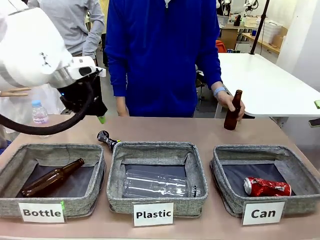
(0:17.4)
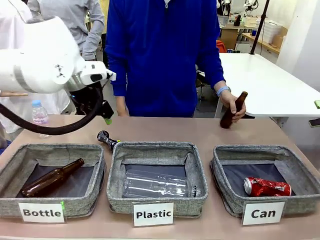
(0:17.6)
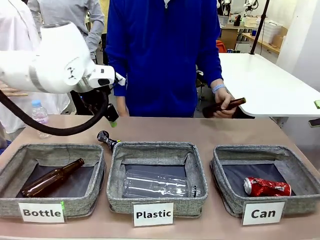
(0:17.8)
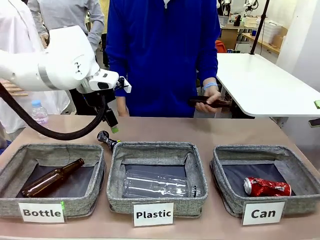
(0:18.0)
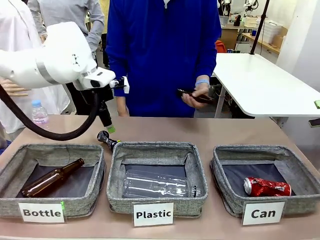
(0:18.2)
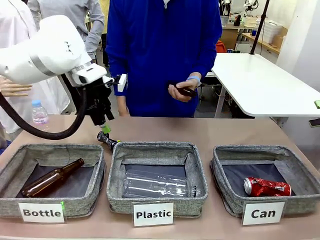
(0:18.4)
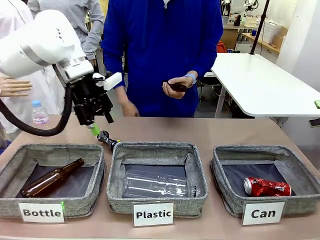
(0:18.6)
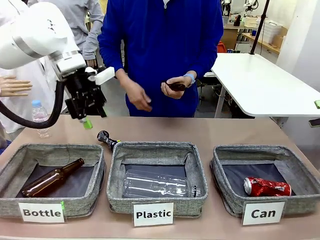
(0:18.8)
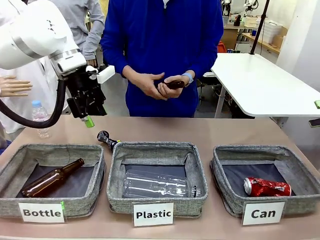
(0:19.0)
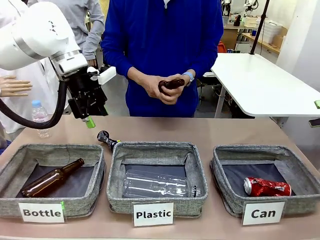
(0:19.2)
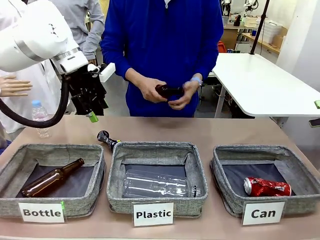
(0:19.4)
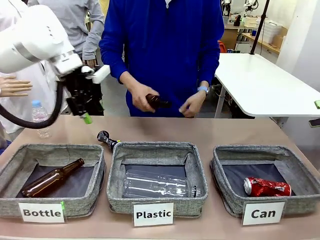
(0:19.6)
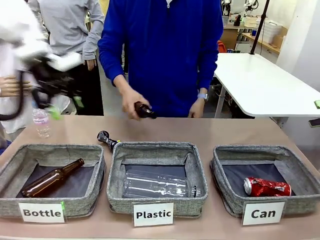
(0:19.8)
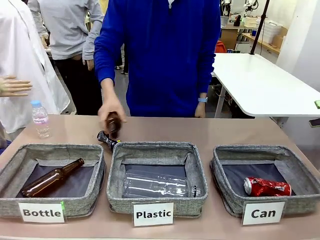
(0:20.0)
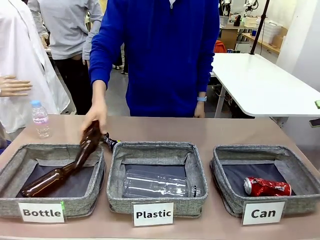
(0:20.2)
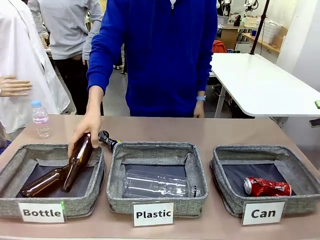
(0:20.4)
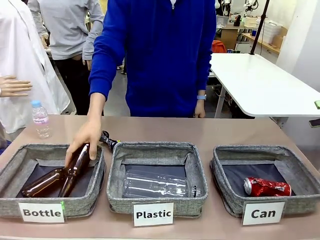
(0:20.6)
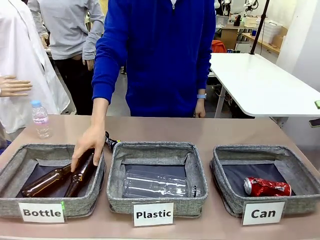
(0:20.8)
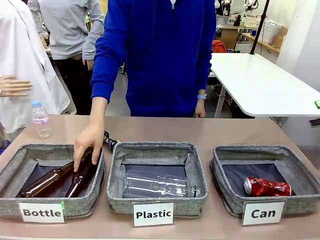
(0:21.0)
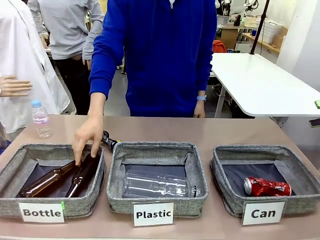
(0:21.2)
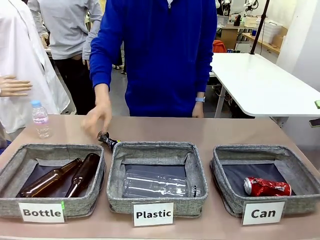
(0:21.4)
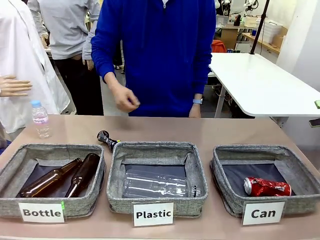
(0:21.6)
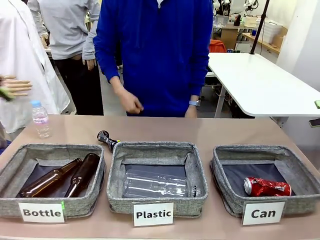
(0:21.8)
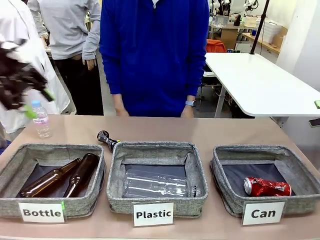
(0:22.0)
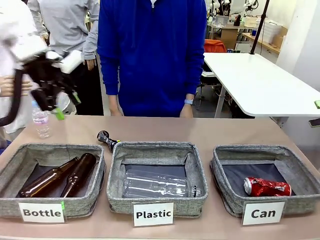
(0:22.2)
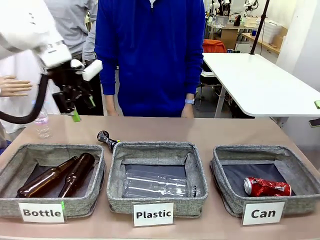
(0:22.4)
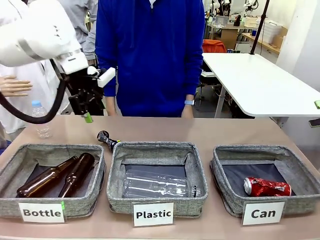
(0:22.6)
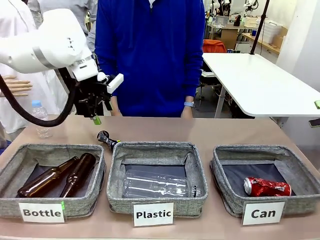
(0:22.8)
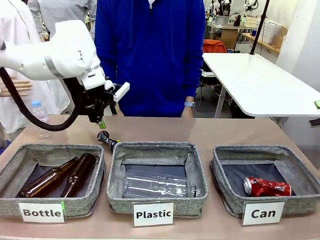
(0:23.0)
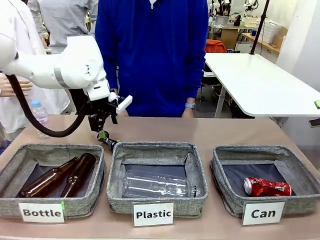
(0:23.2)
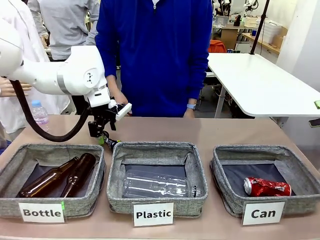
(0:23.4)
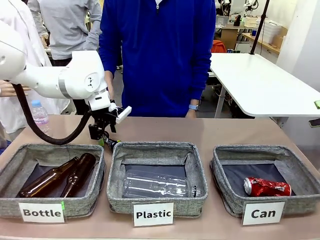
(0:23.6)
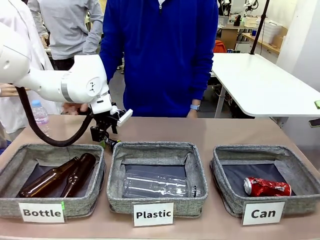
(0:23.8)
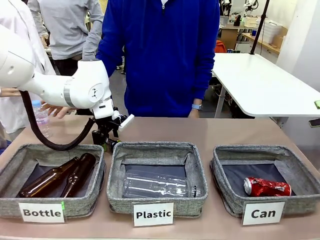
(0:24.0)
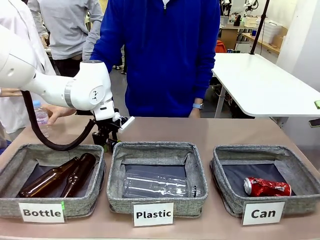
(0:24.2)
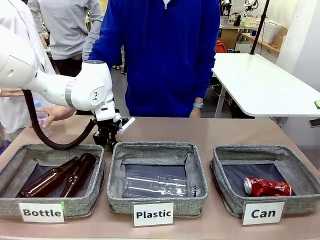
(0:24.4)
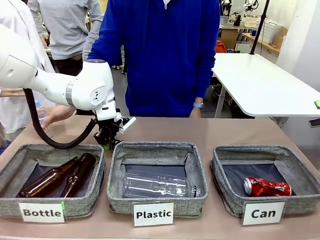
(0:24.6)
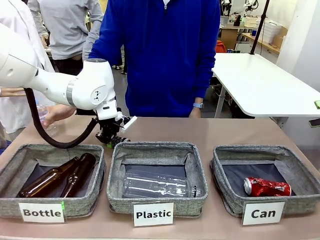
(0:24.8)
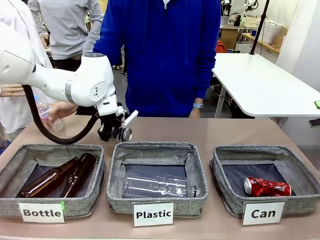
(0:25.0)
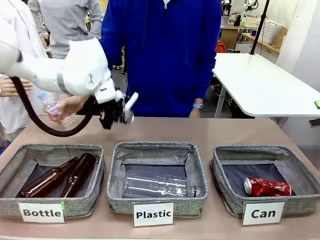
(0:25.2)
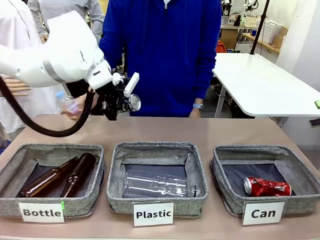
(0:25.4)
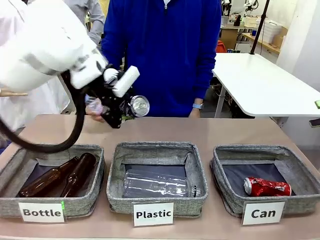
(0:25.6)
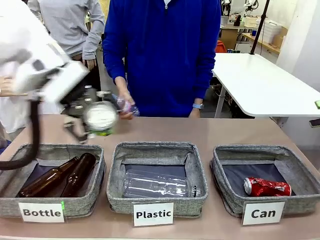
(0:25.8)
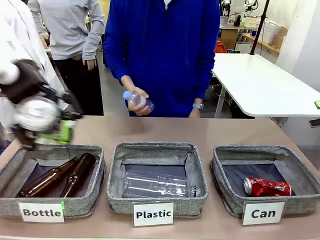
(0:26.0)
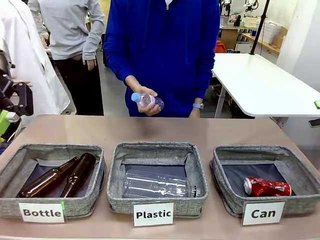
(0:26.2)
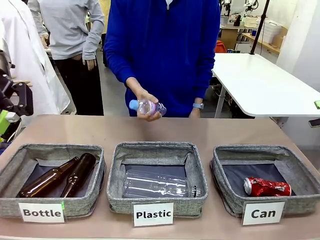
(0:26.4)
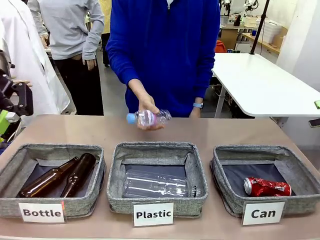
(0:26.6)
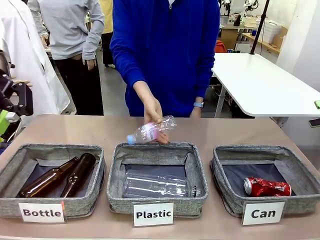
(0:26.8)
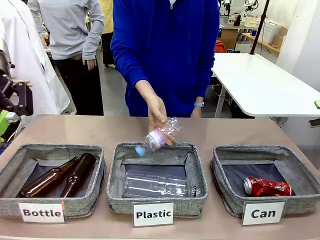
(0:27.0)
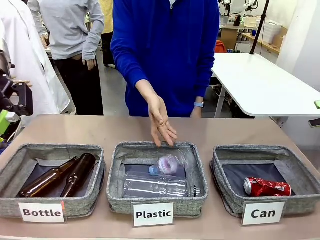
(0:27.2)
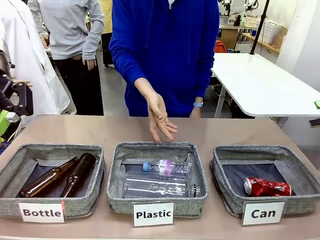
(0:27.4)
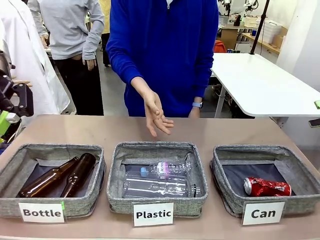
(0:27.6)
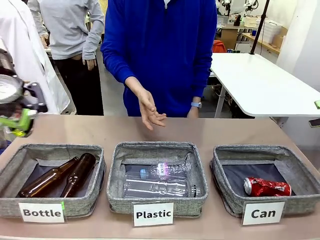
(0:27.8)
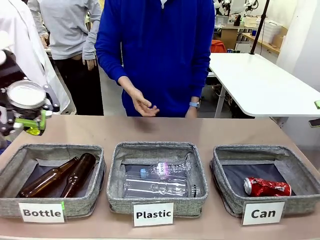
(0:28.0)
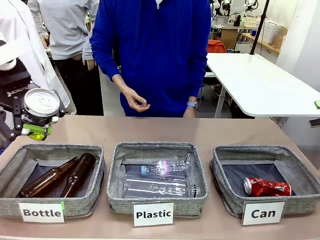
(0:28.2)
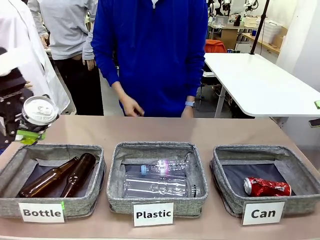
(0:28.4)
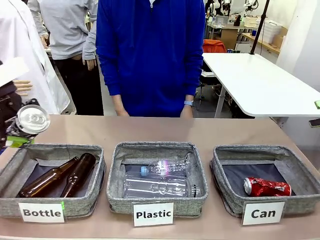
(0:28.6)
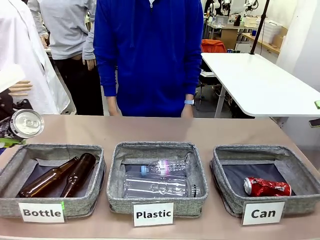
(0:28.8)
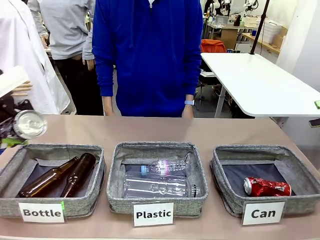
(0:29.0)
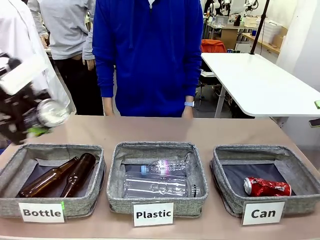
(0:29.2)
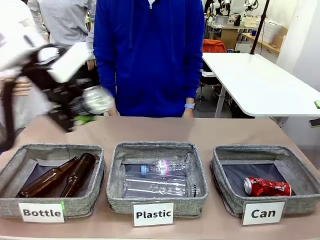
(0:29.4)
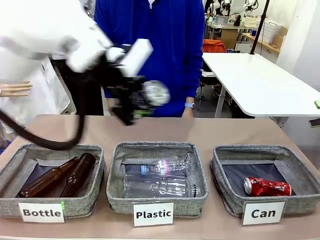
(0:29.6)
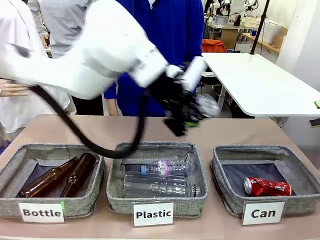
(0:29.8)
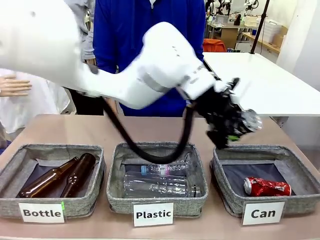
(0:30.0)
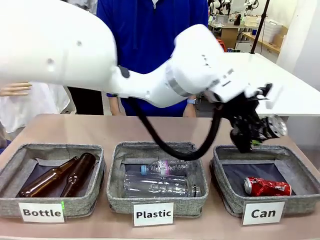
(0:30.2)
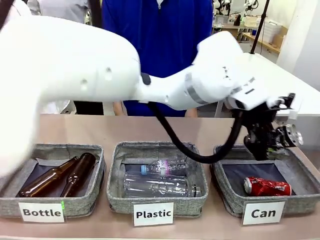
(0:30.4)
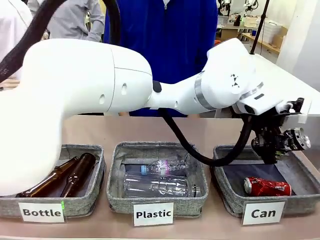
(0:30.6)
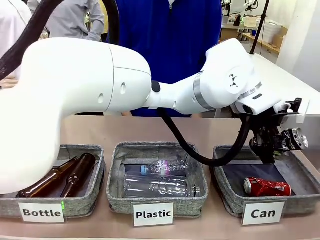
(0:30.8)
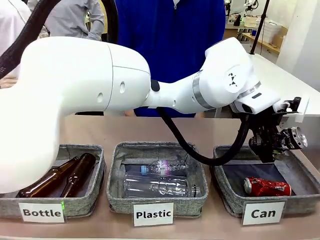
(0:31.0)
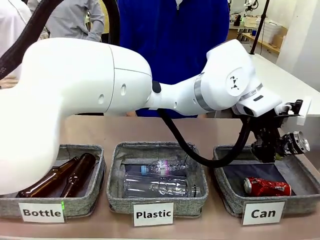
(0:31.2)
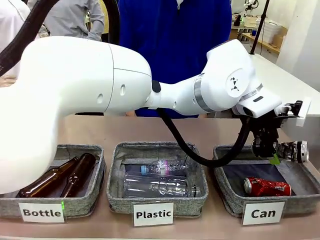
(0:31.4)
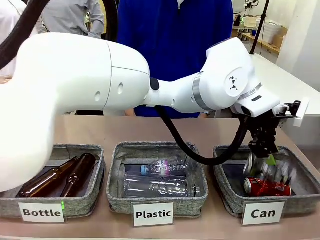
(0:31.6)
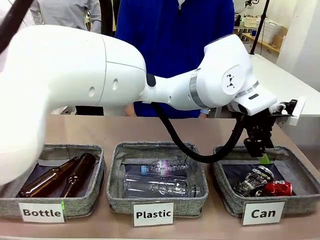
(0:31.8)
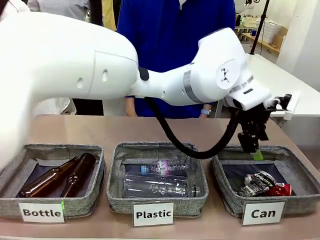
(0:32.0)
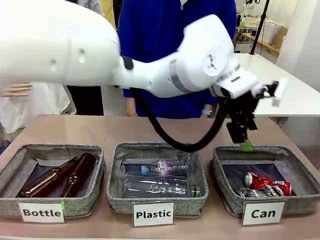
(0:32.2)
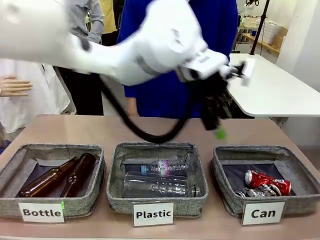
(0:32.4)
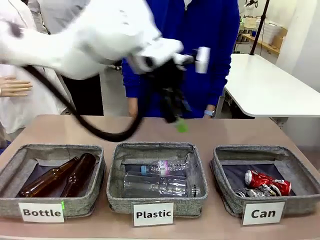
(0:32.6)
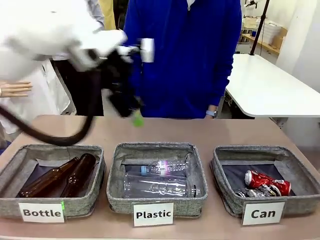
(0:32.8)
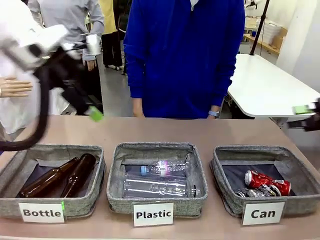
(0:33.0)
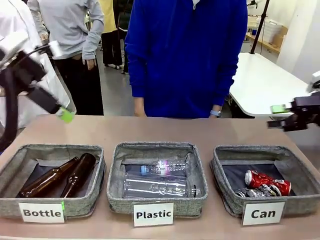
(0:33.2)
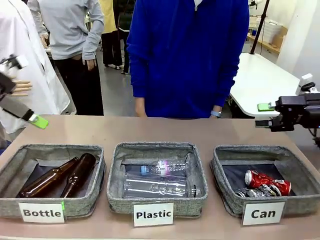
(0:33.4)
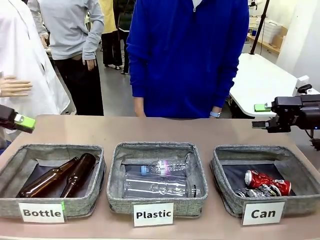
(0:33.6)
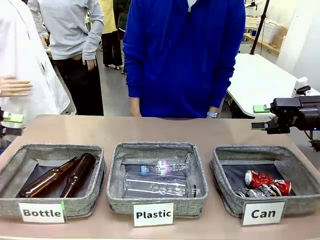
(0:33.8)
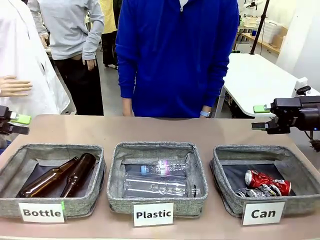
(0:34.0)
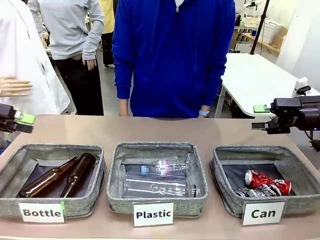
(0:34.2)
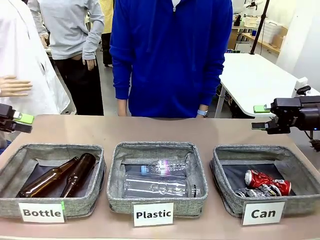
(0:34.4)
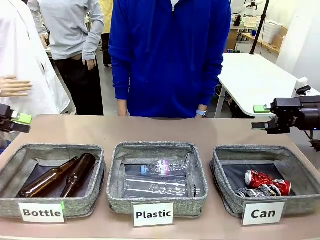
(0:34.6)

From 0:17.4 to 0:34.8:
Task: Sort the can waste into the basket.
Robot: Pick up the can waste from the table and place it in the right Fabric basket.
